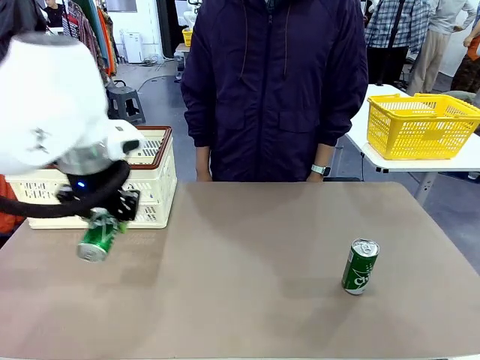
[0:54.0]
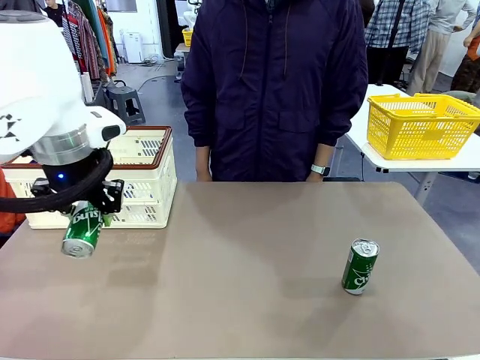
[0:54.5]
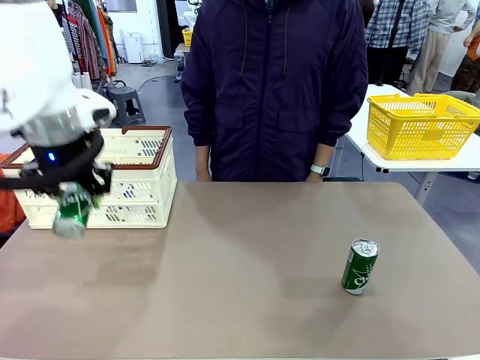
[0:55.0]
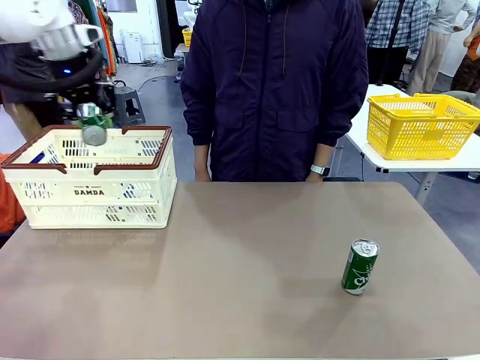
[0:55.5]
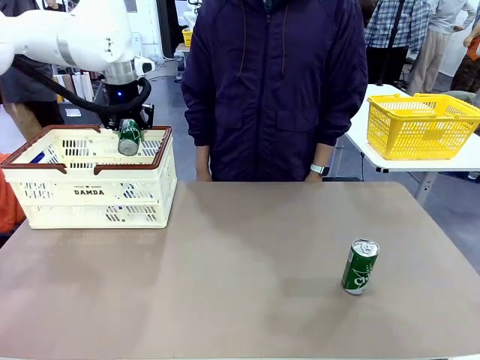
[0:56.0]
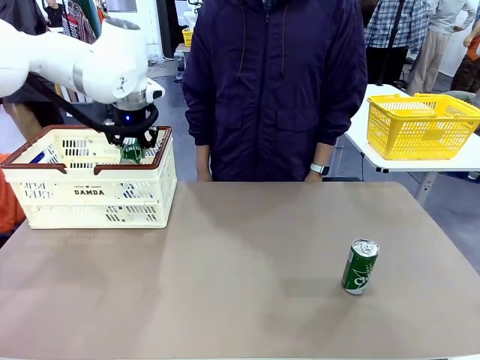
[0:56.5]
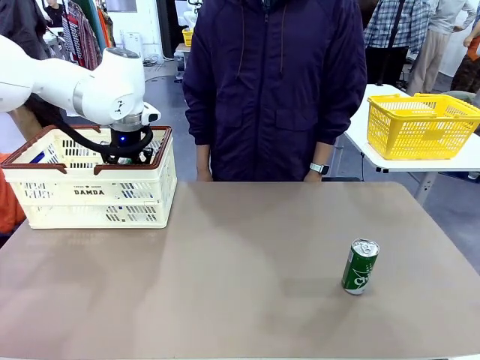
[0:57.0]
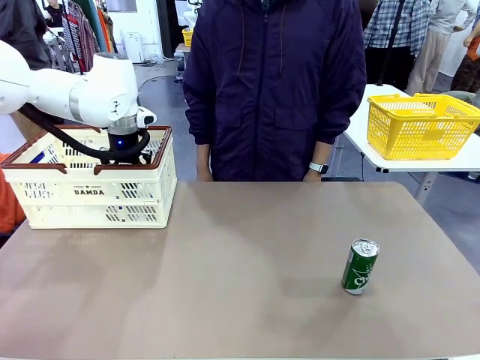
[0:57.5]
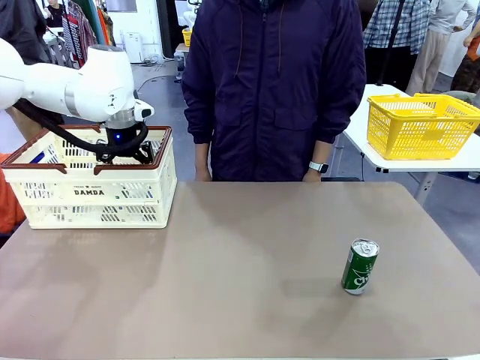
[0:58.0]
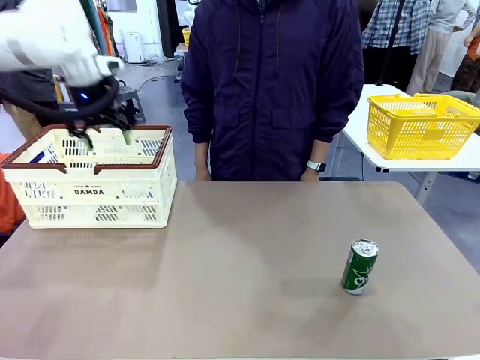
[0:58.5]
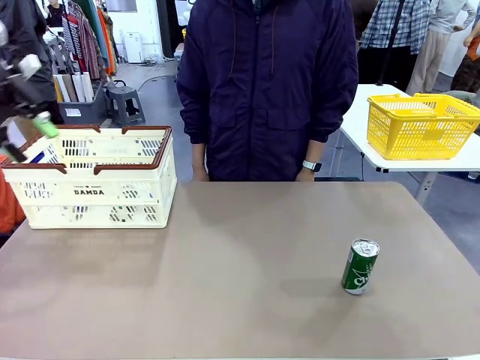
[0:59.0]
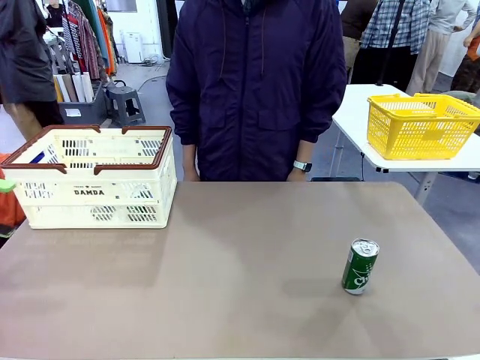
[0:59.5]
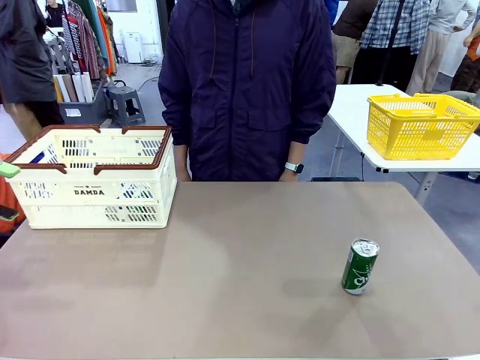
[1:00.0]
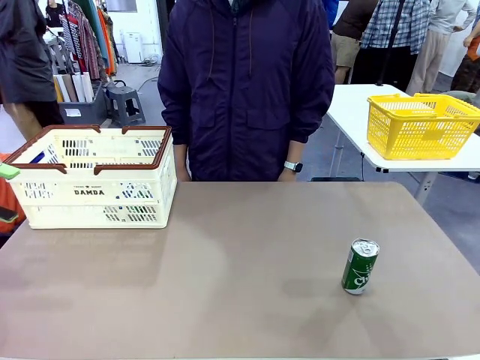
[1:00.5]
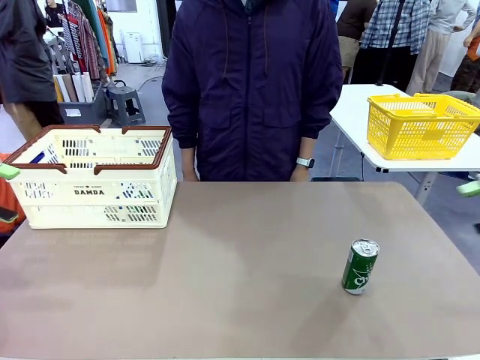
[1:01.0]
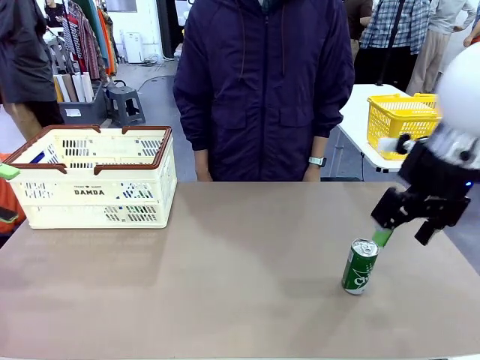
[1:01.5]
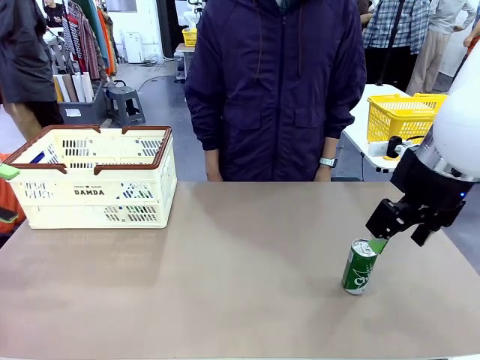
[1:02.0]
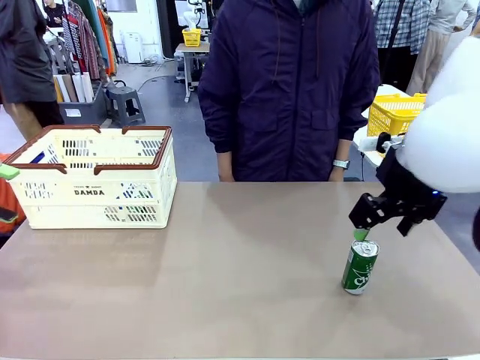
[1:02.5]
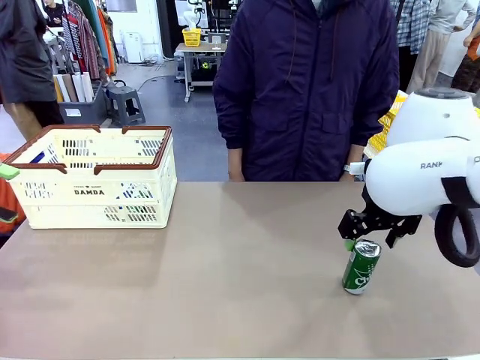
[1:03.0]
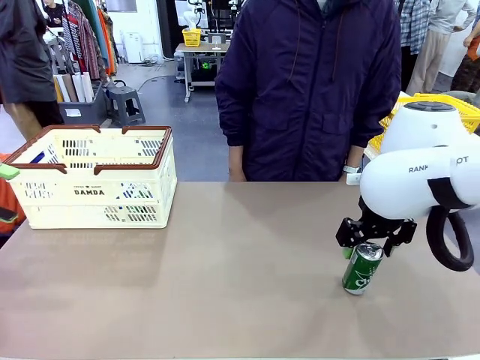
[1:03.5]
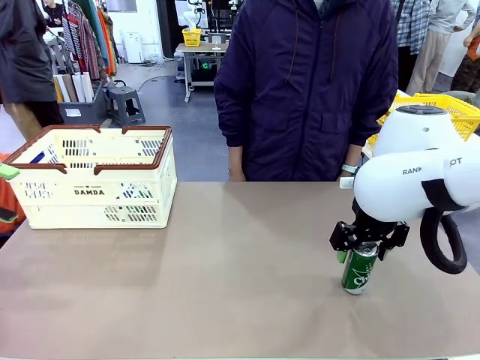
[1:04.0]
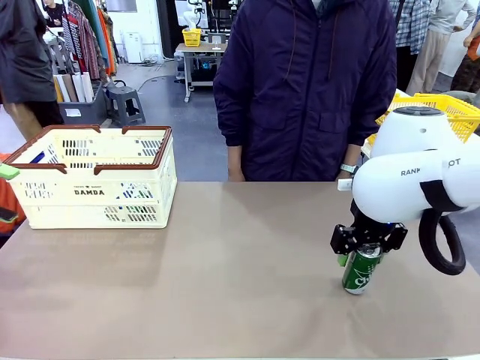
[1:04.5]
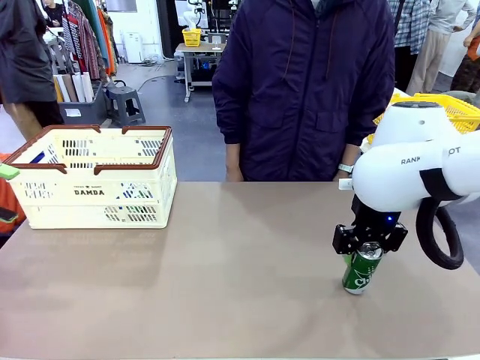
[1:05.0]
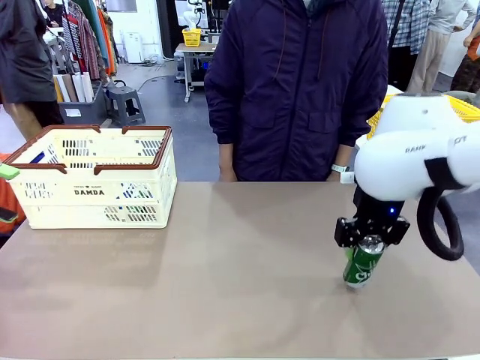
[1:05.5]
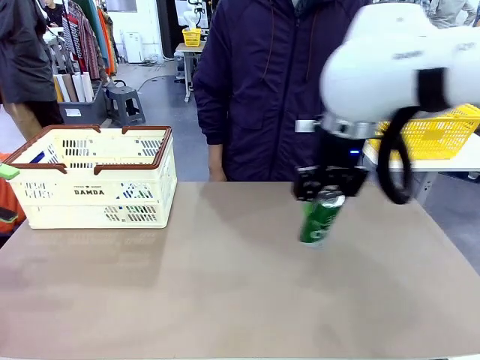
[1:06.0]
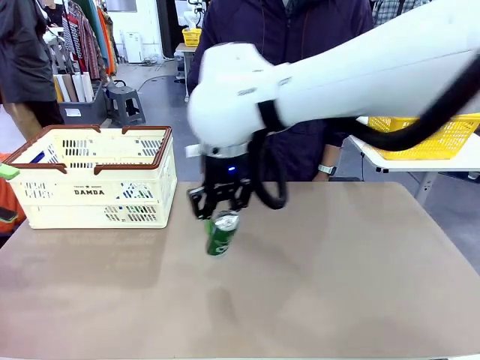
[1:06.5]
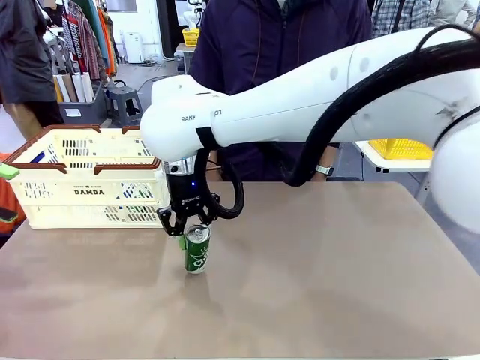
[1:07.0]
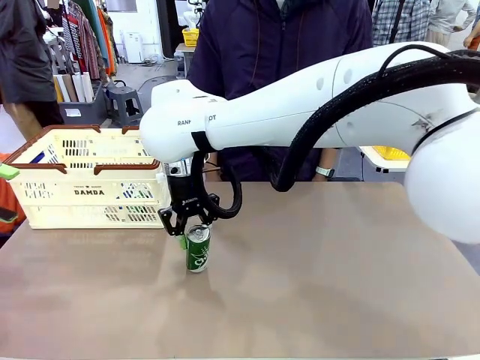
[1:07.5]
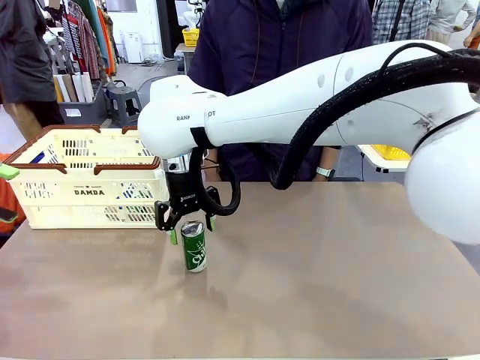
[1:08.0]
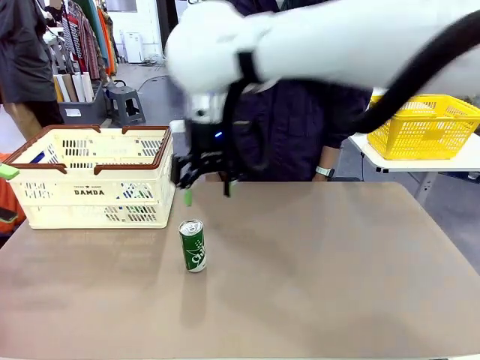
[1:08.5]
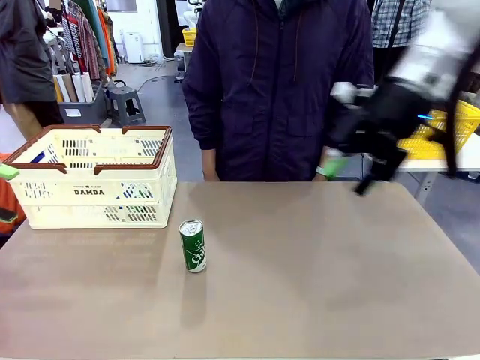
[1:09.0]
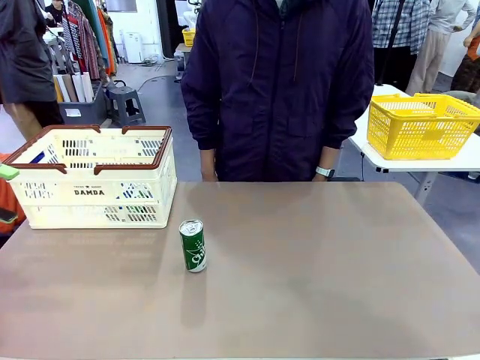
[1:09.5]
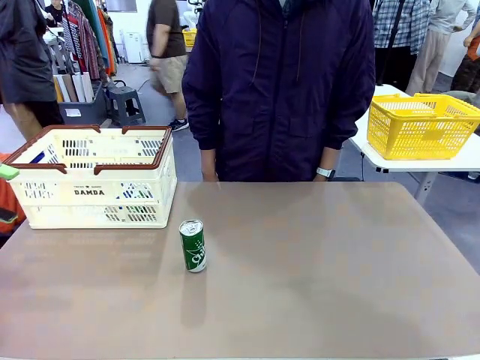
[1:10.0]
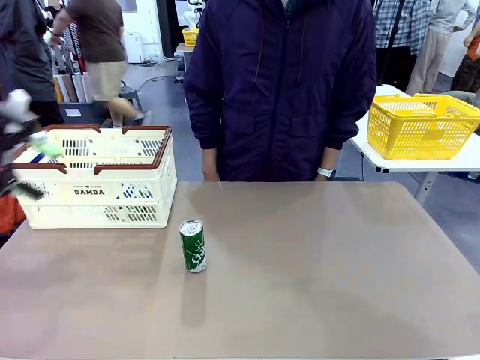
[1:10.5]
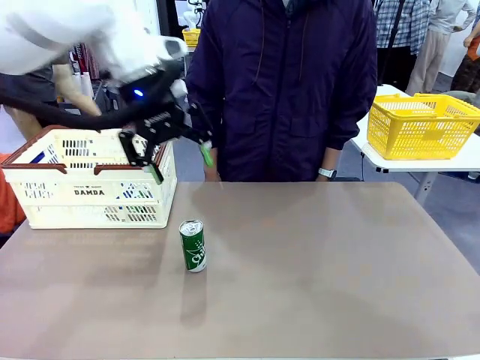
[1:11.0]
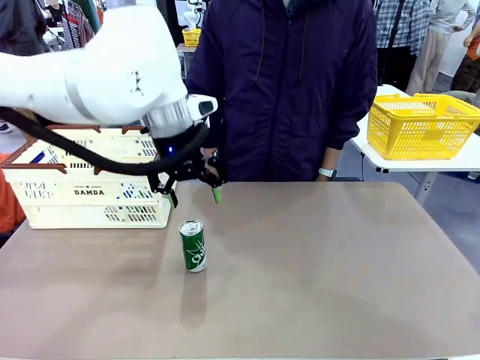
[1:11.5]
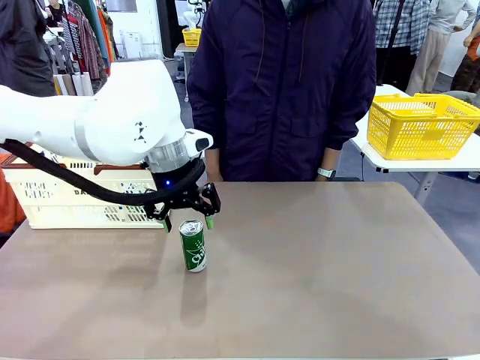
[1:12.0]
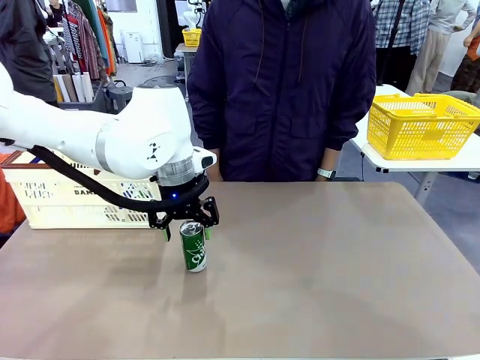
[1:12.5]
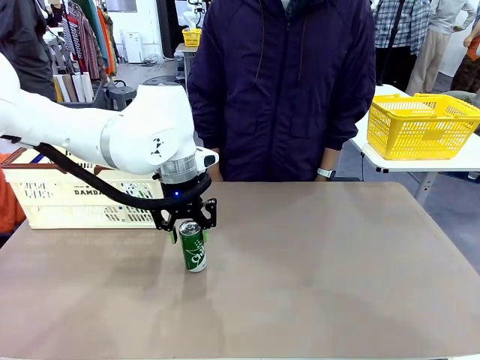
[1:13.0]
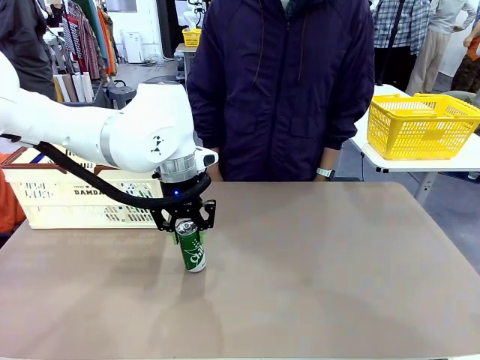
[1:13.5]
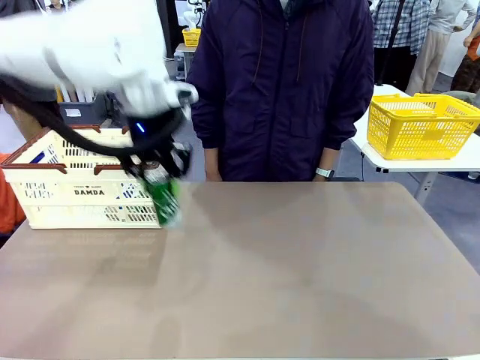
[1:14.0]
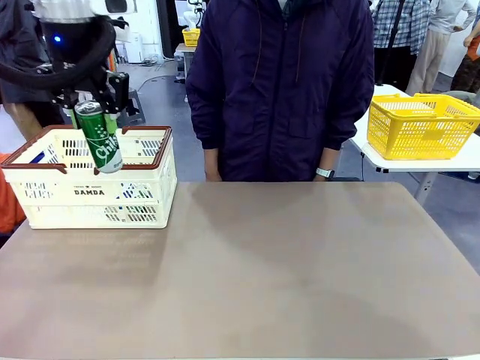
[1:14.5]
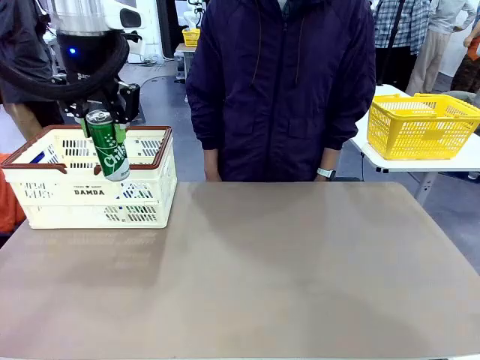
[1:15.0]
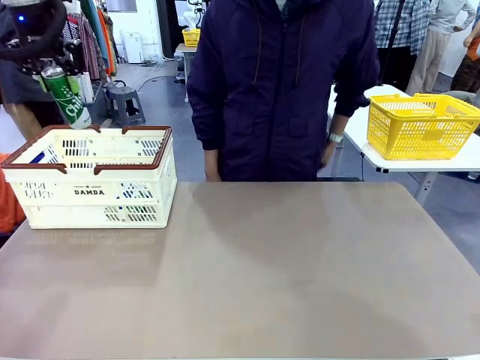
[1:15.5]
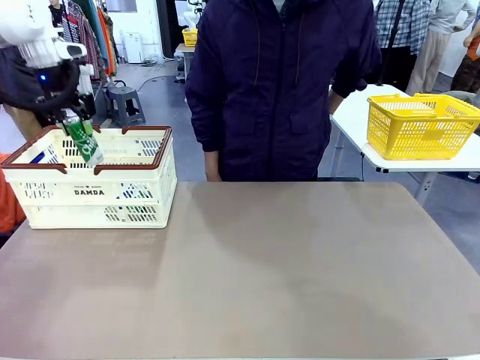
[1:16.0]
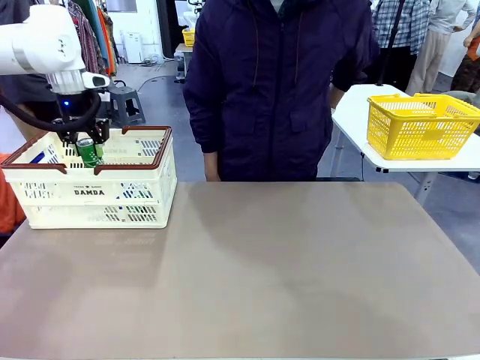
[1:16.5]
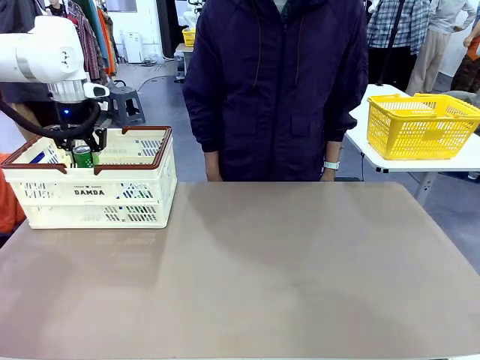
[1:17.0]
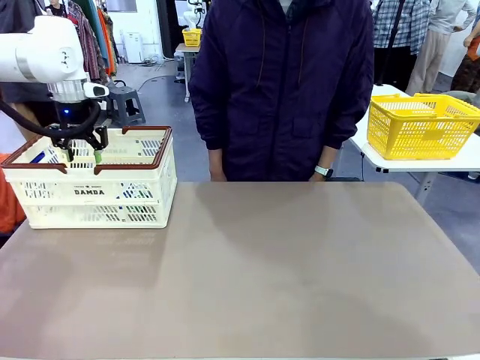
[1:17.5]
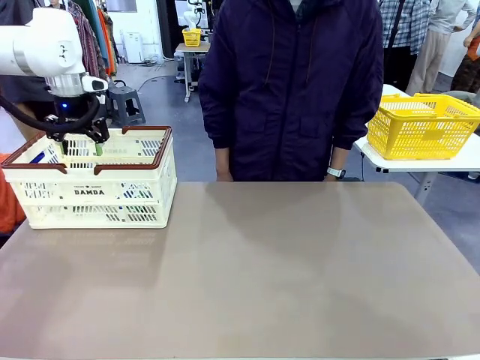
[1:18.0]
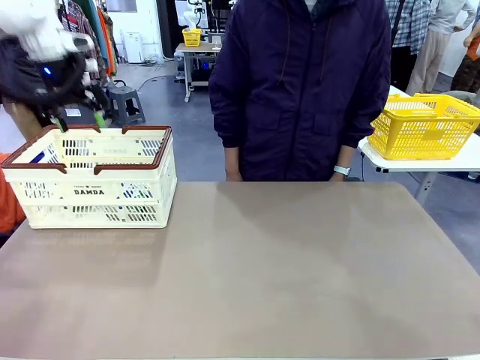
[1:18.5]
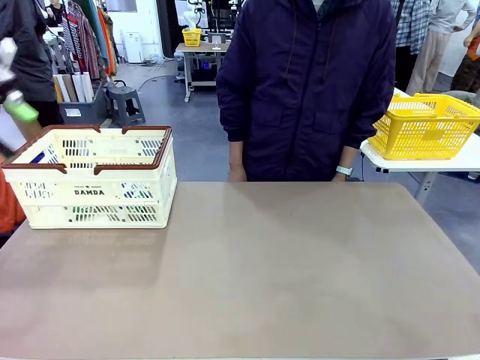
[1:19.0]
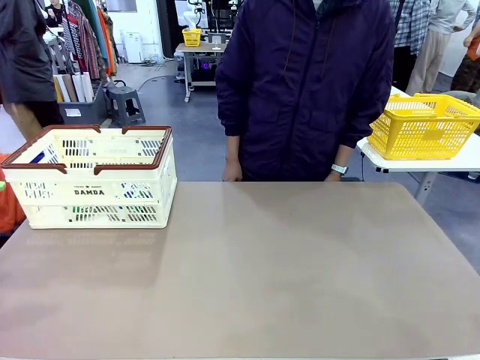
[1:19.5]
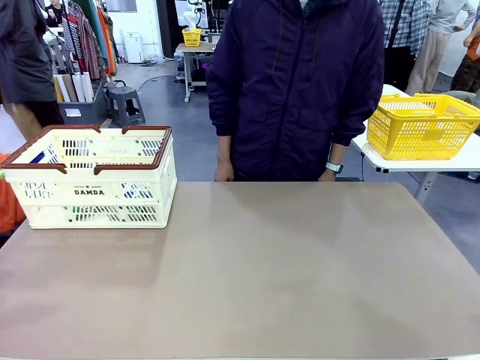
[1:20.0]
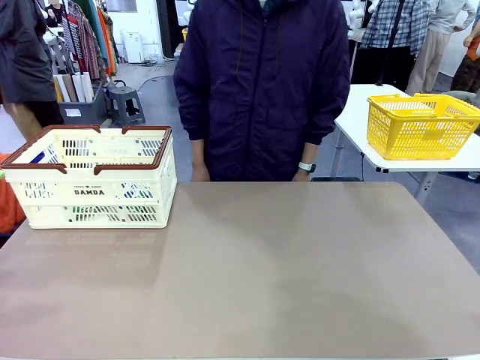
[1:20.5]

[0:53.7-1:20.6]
Task: Place the drinks into the Shopping basket.
Robot: Pick up one drink and place it into the Shopping basket.
